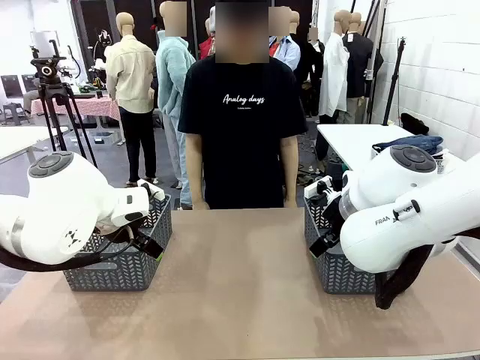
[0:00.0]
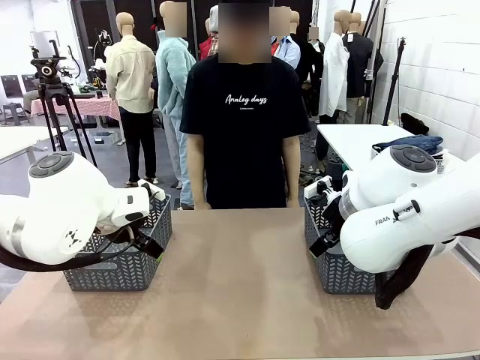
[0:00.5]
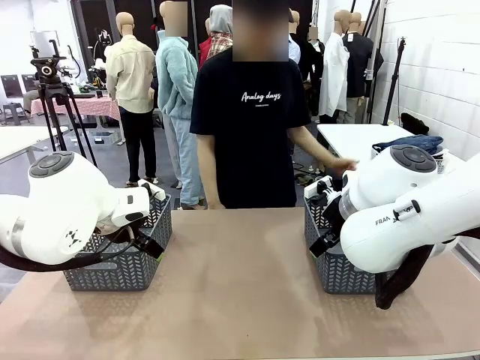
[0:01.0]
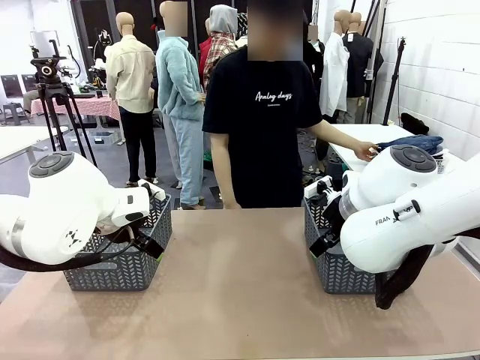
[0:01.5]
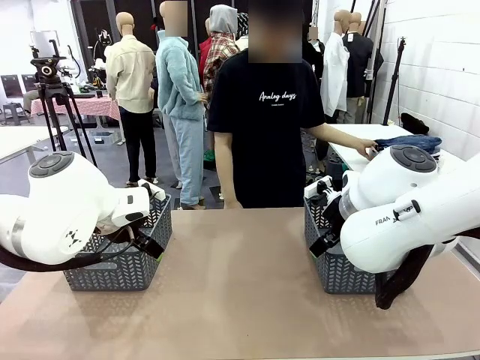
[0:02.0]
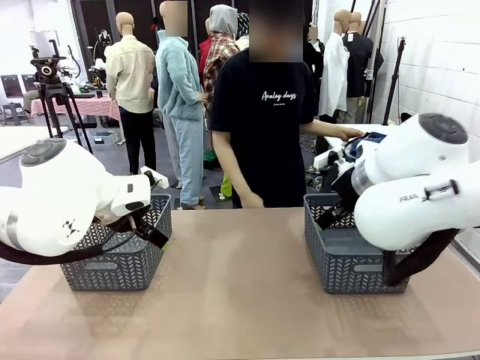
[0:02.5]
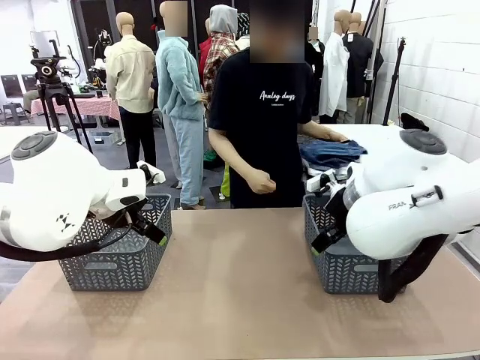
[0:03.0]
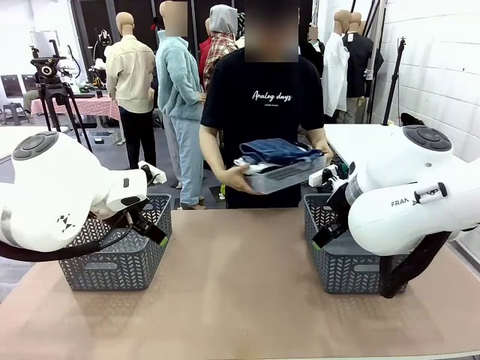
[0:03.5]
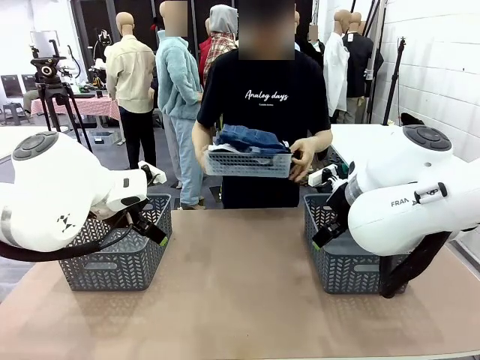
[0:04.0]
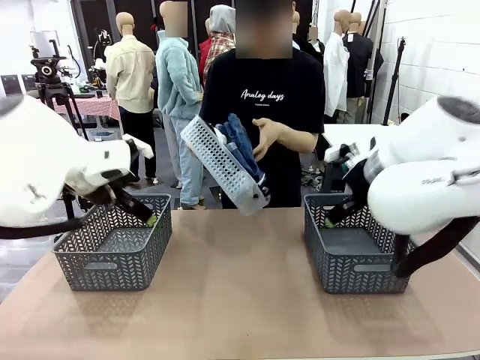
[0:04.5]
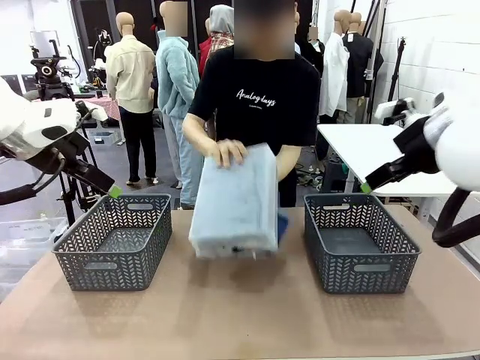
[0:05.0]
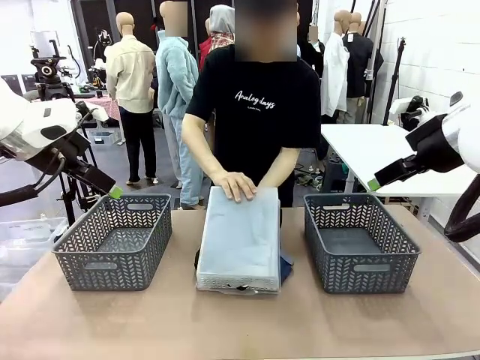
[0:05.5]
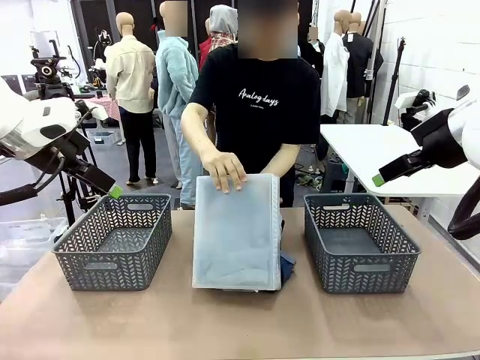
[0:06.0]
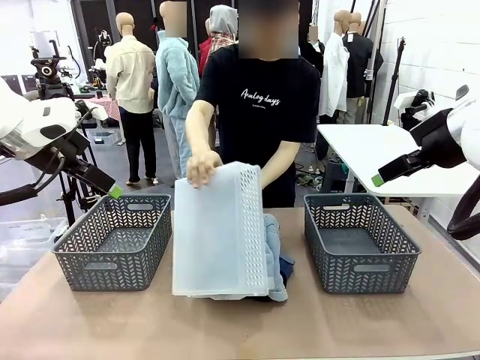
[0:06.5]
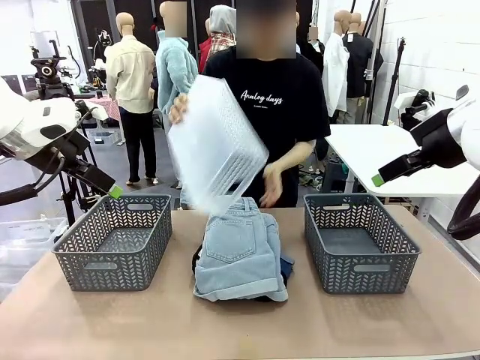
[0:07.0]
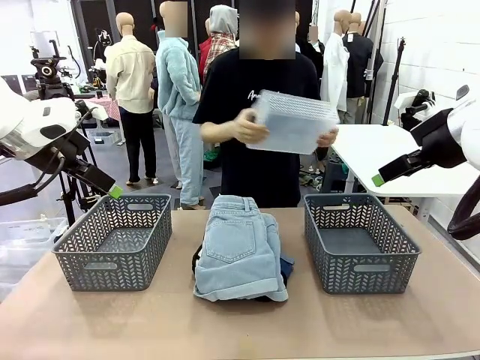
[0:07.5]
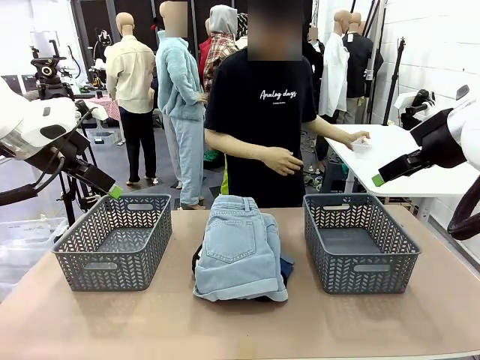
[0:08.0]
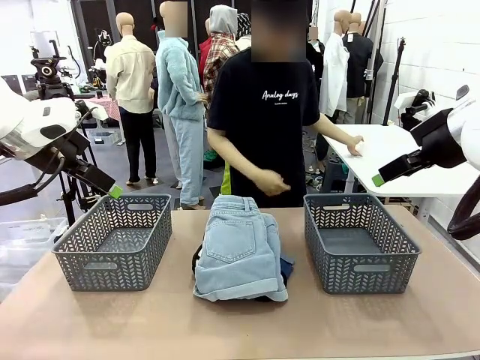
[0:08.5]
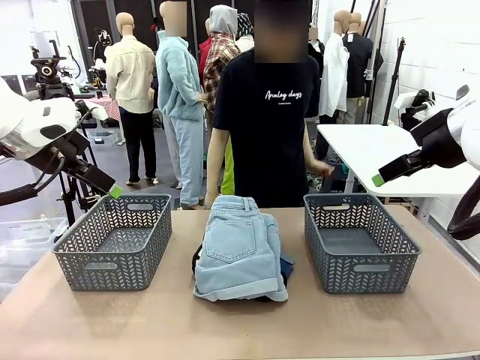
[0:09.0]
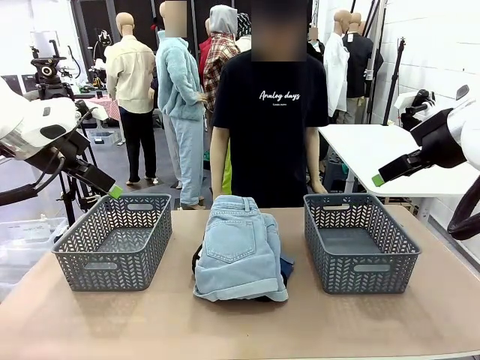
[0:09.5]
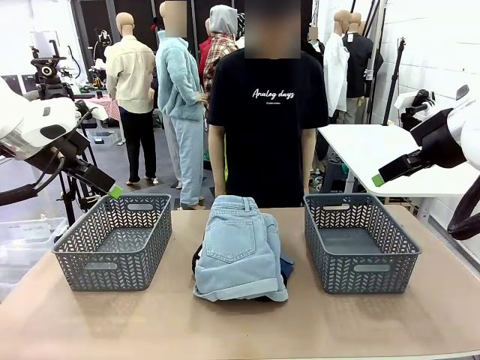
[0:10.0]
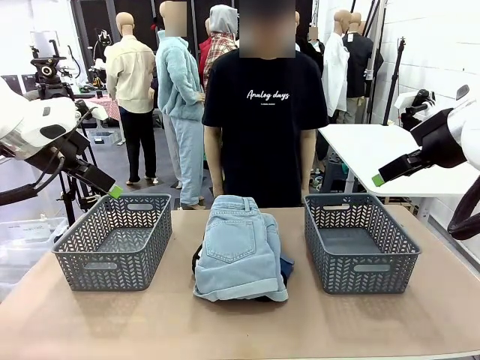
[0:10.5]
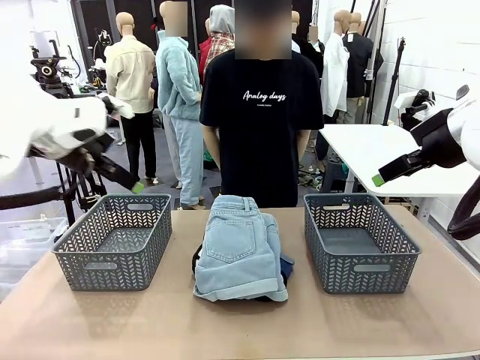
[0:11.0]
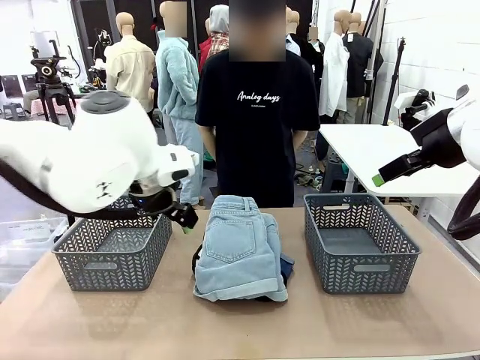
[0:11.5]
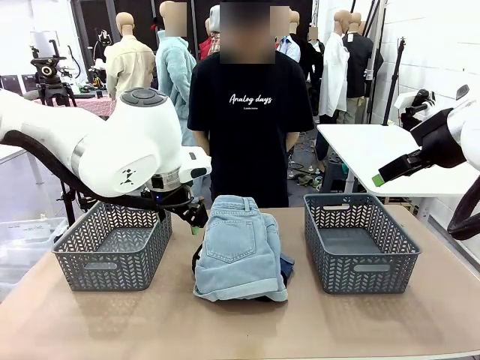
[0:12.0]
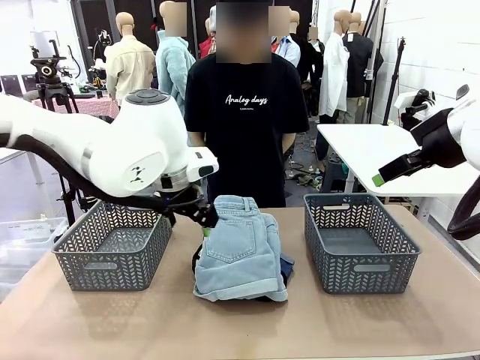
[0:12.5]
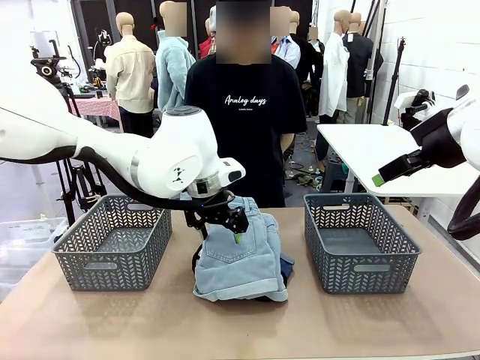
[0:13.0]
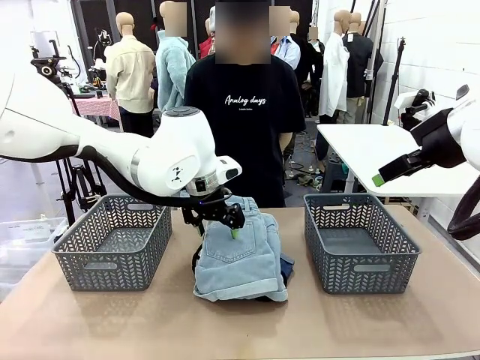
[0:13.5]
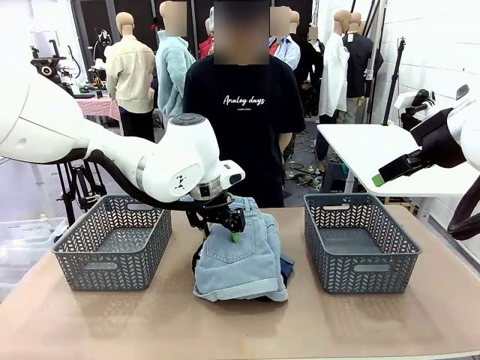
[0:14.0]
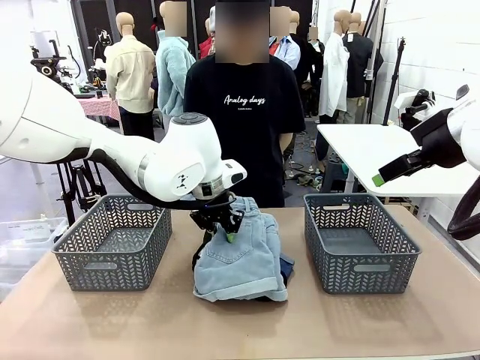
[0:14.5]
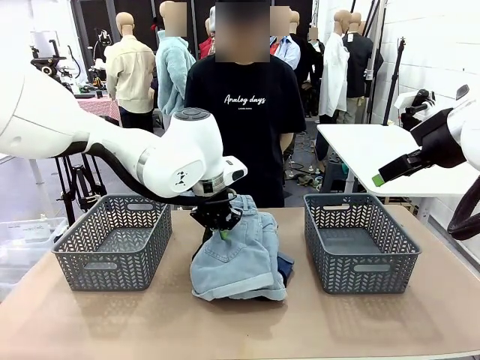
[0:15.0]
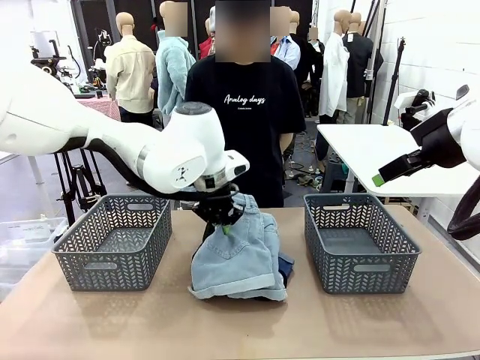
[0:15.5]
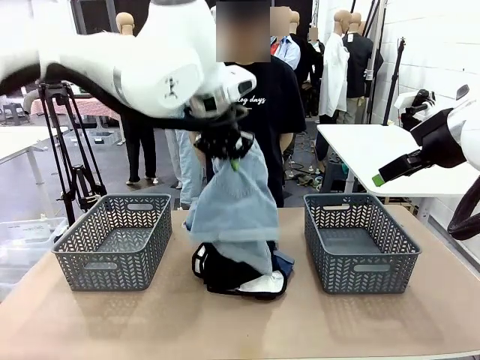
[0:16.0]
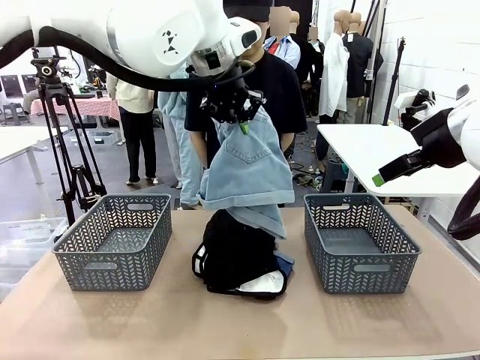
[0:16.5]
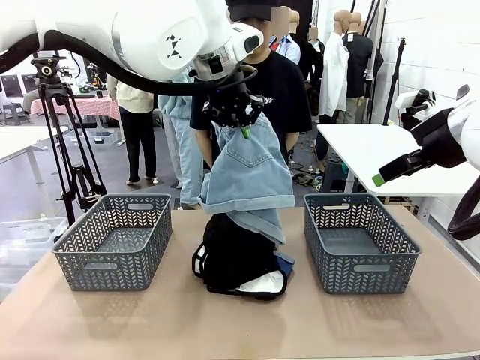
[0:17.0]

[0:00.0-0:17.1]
Task: Sort the tops and bottoms.
Robot: Lift clothes from the center of the table with your left hand.
Person: Pour the clothes from the basket onto the center of the robot table.

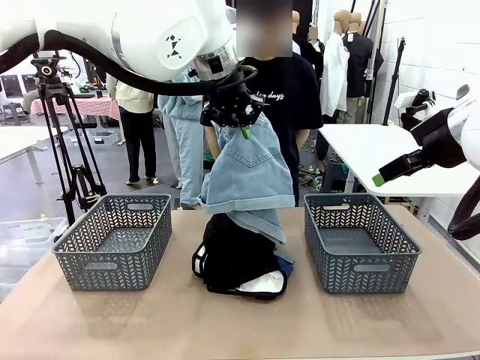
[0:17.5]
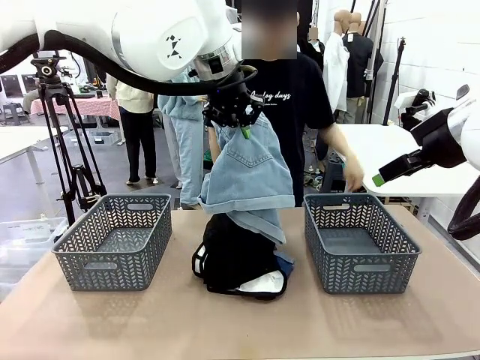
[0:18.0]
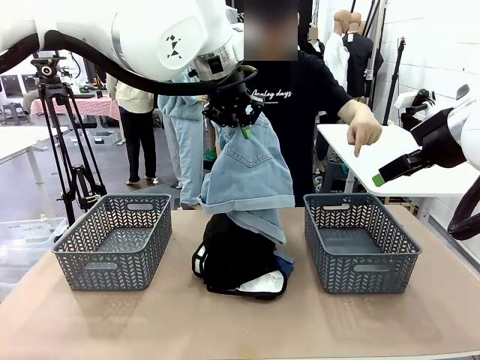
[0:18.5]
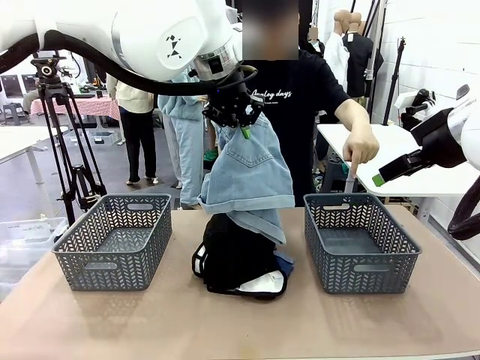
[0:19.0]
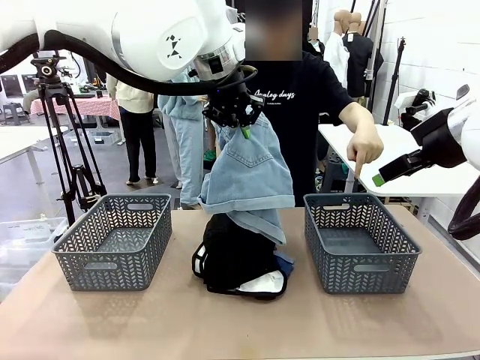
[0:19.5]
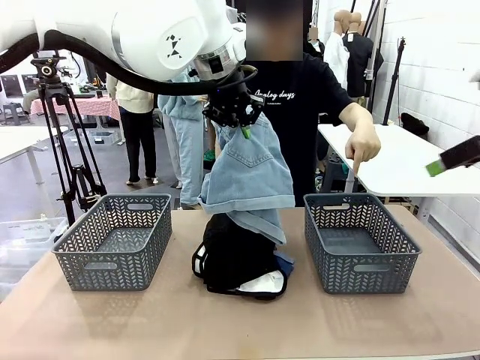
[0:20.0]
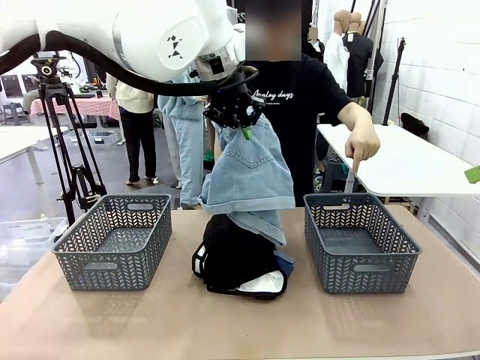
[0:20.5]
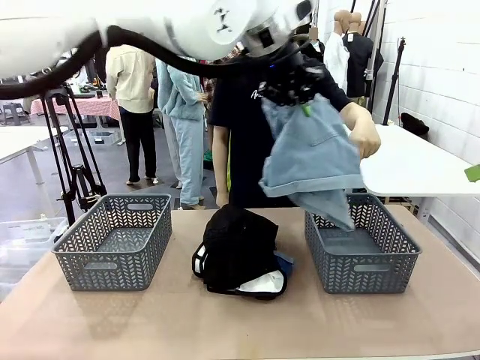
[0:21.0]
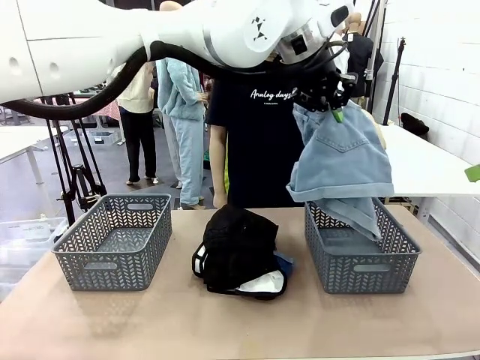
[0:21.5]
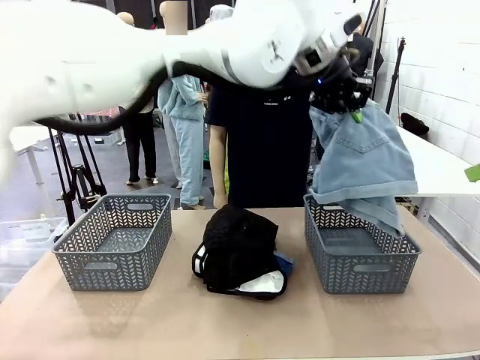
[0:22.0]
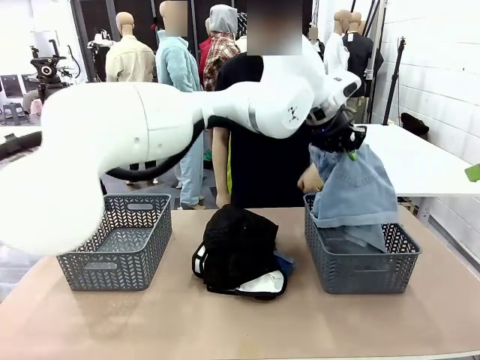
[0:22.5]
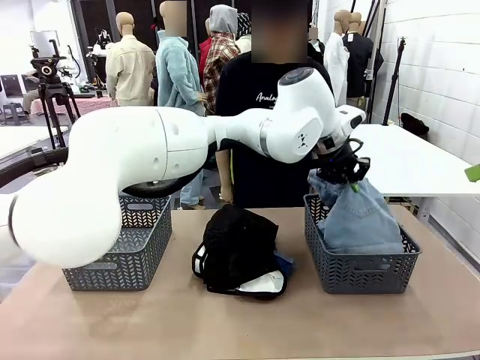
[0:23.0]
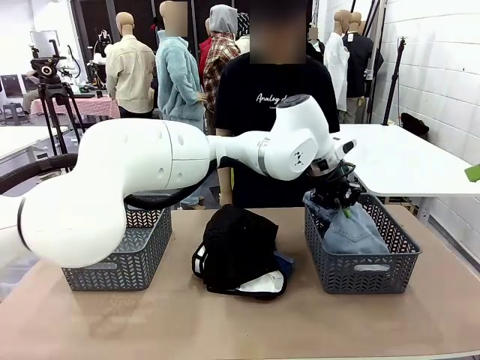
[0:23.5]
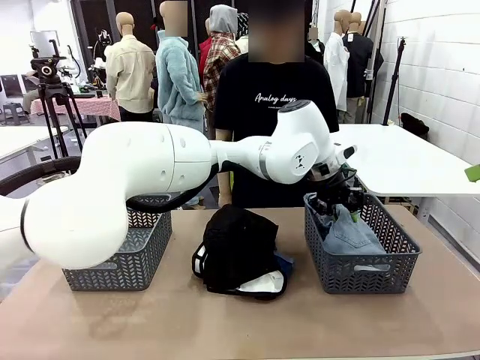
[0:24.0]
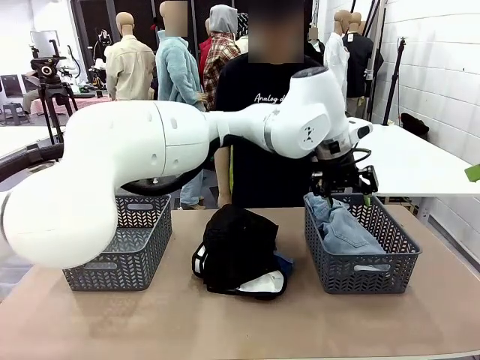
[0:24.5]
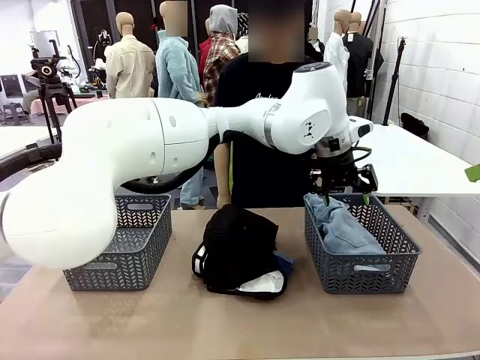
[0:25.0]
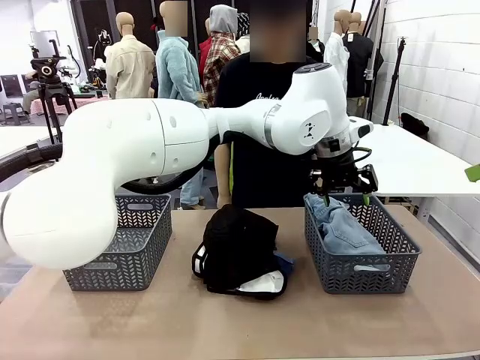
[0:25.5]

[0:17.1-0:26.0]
Robot: Sort the clothes according to human instructions.
